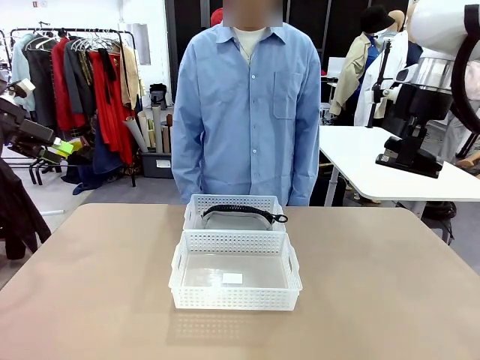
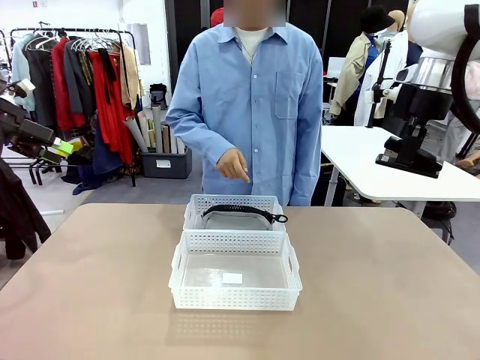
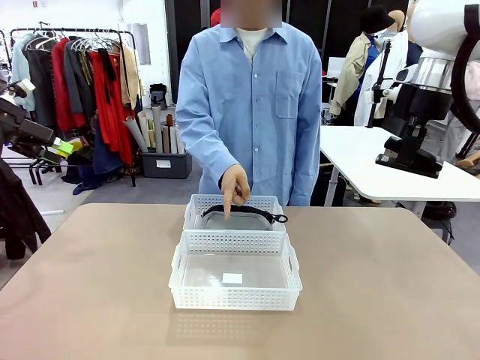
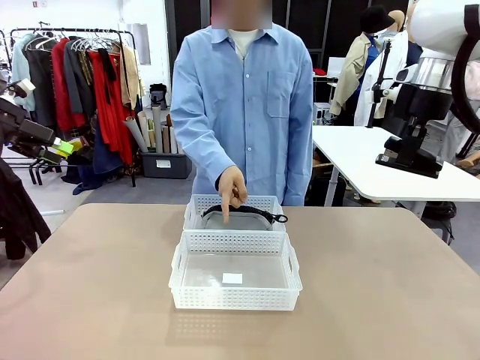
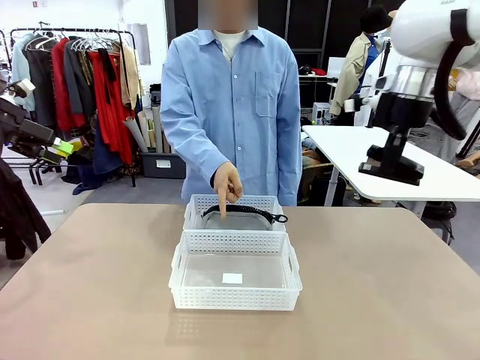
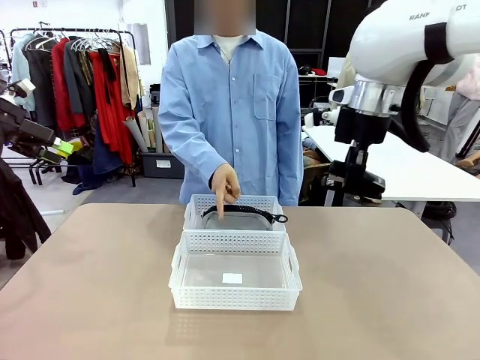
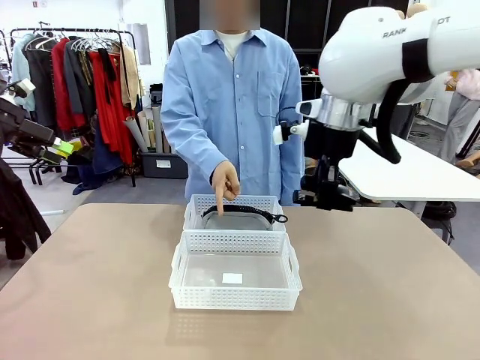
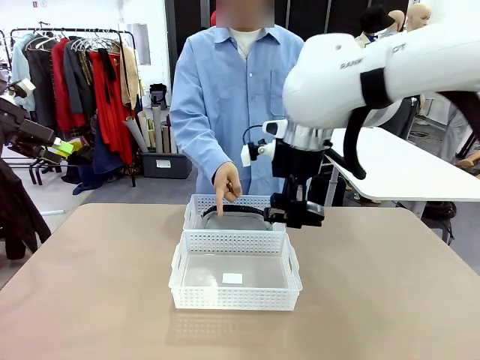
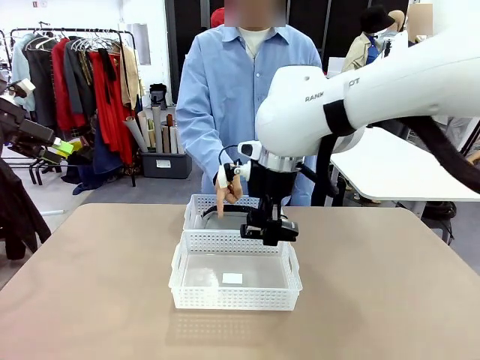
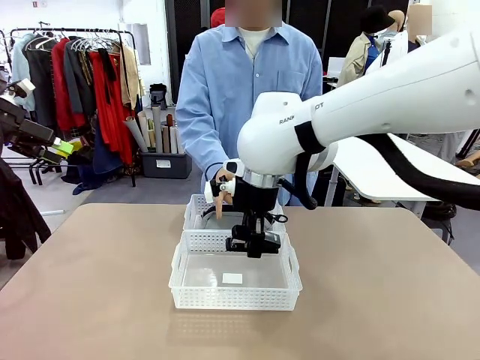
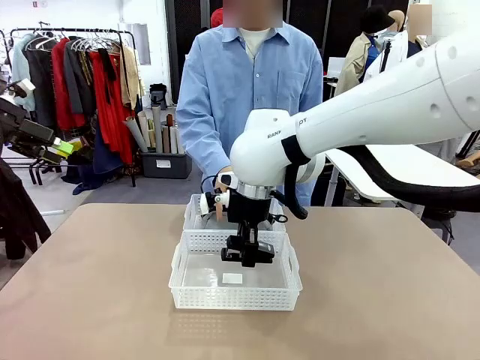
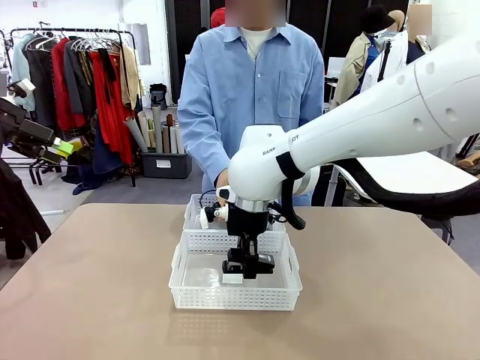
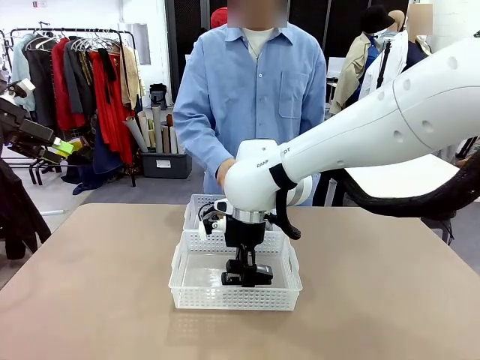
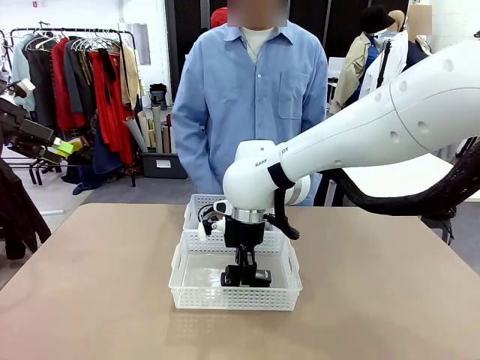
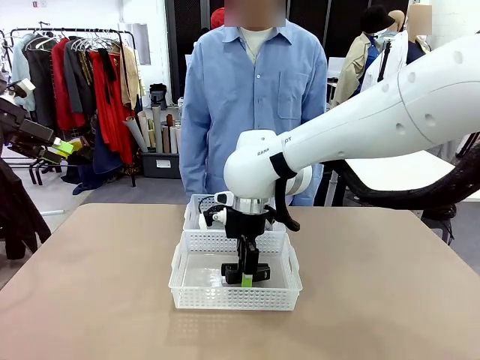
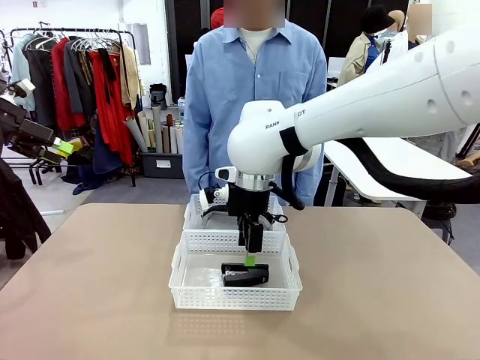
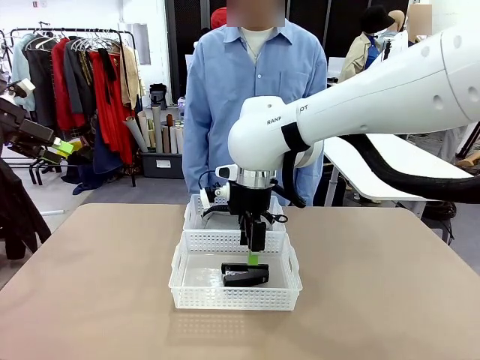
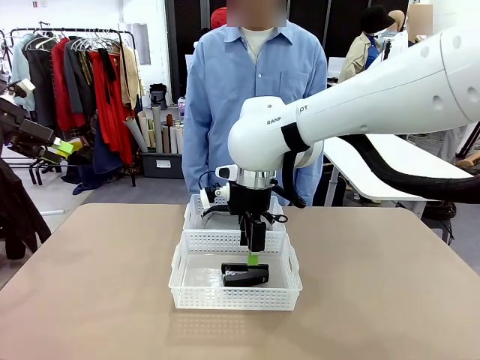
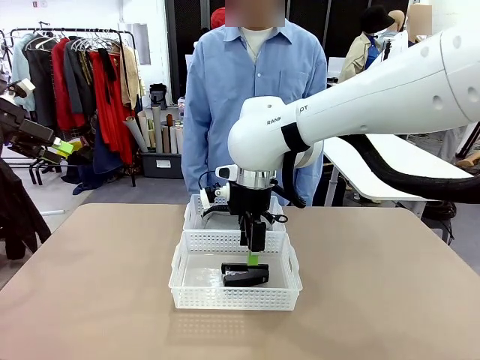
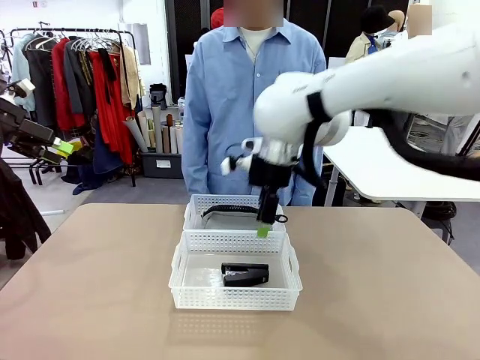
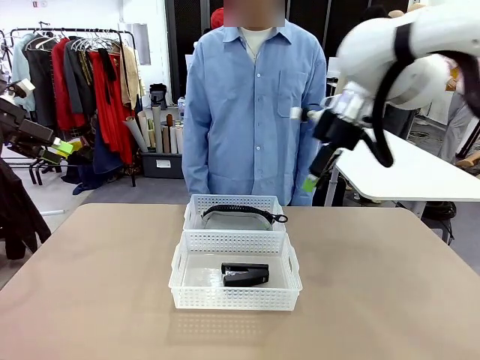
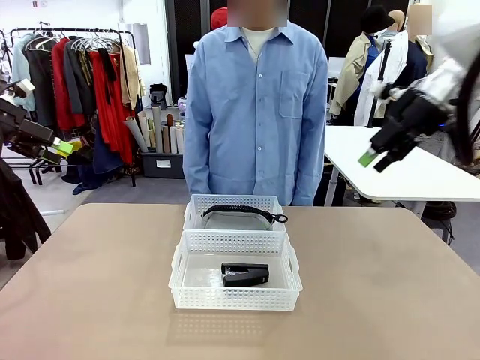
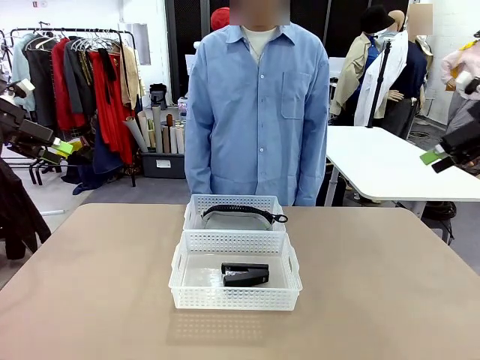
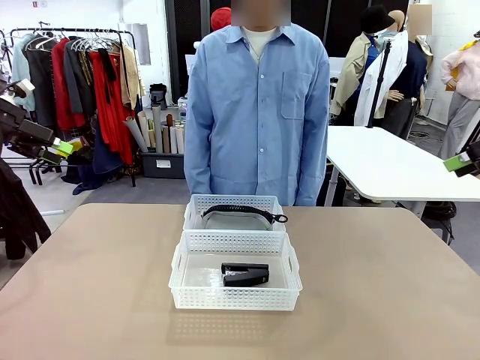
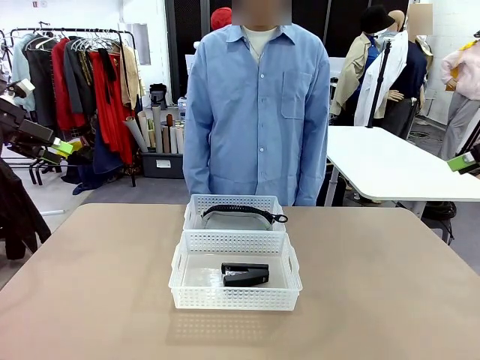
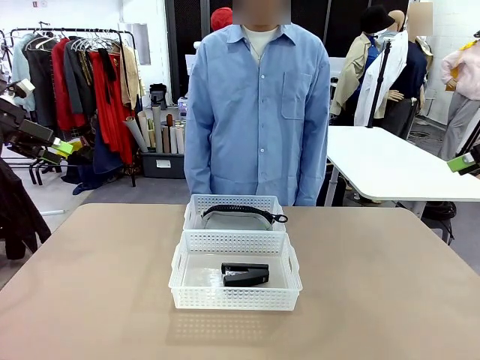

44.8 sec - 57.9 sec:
Task: Distribute items into two baskets.
Robot: Place the picked Stapler into the Organizing basket as instructed by the person.
Person: Points to the basket that does not contain the pencil case and instructs the robot to move the stapler there.

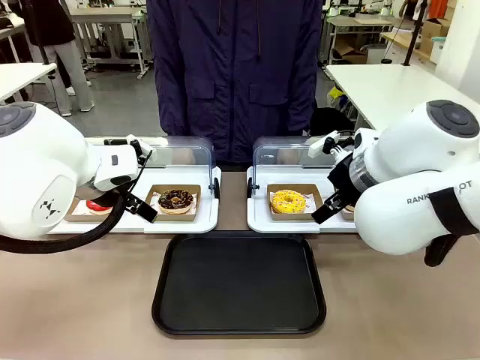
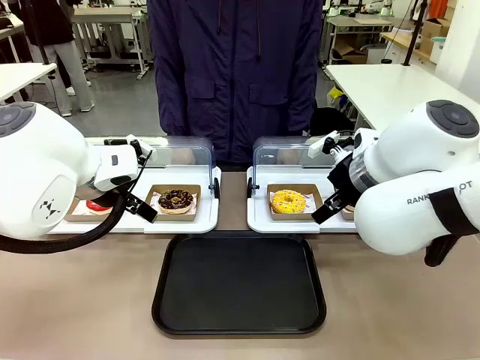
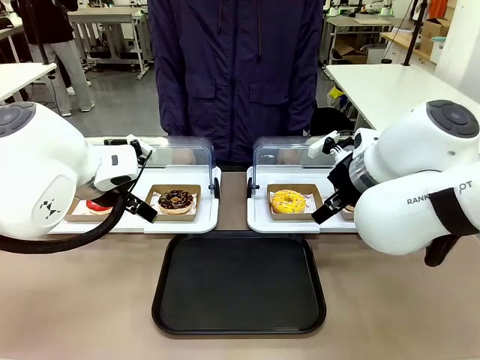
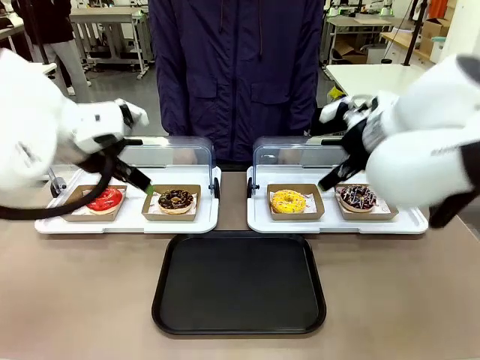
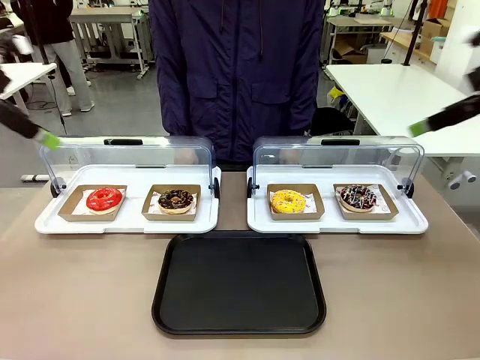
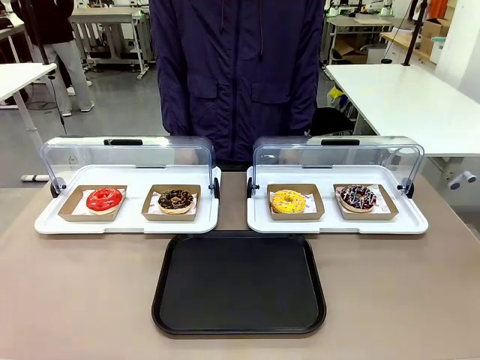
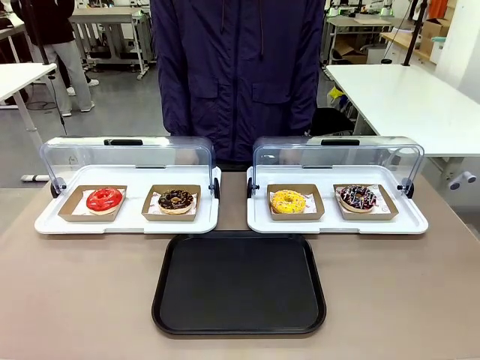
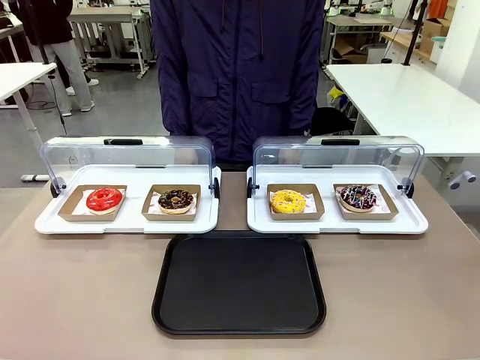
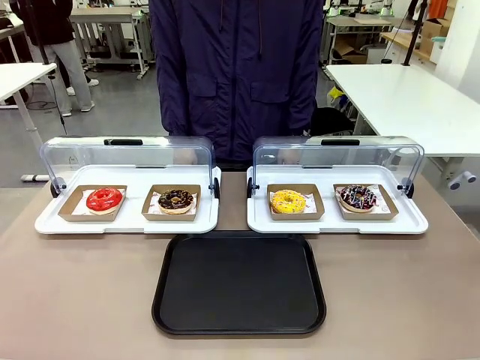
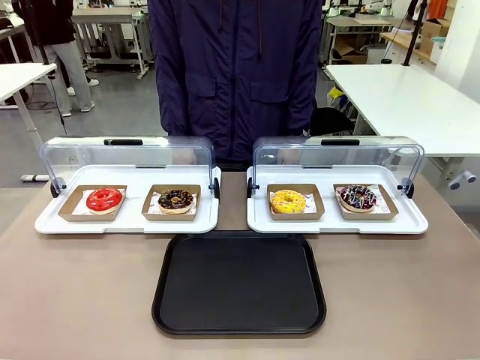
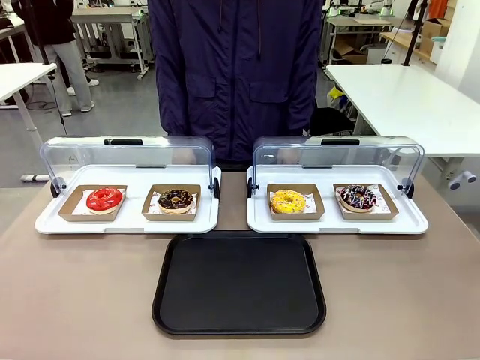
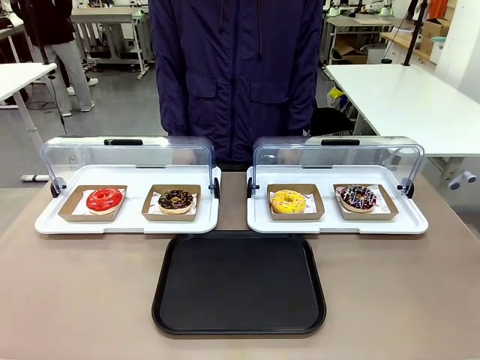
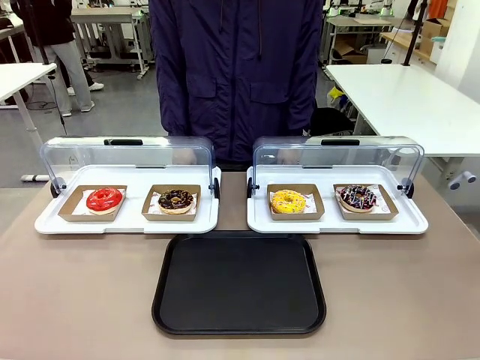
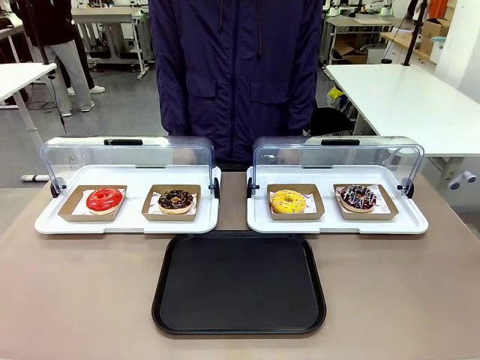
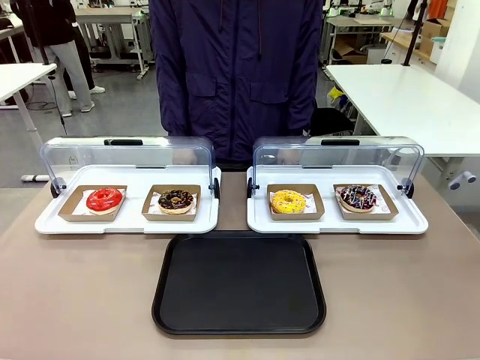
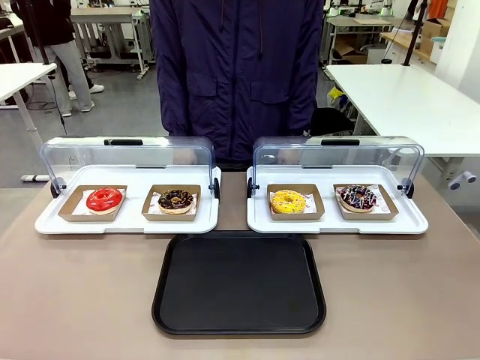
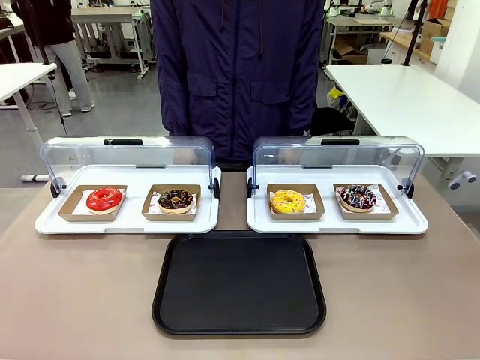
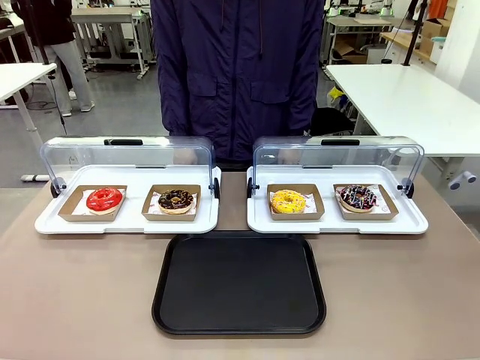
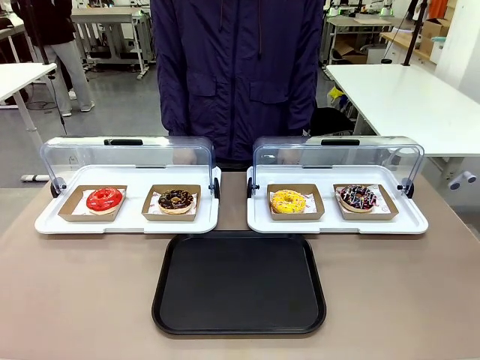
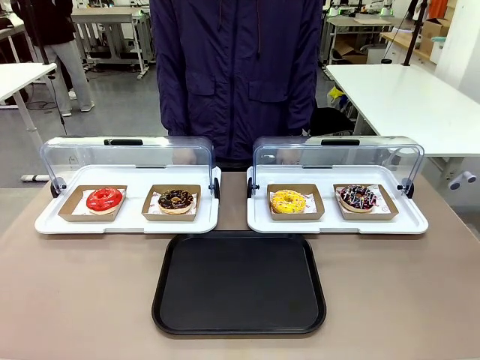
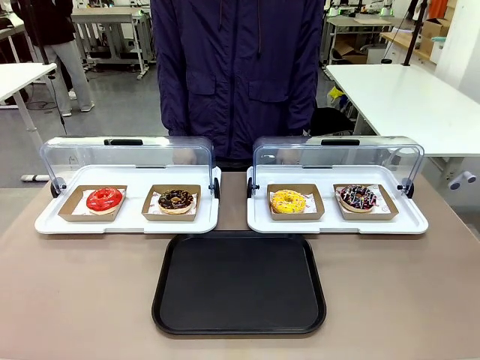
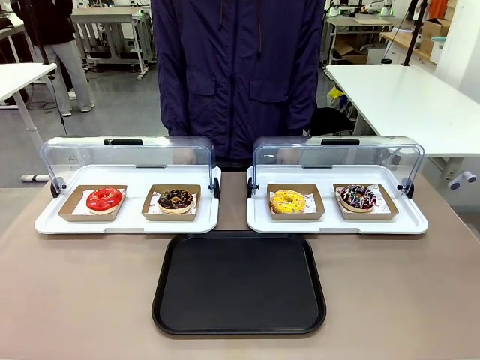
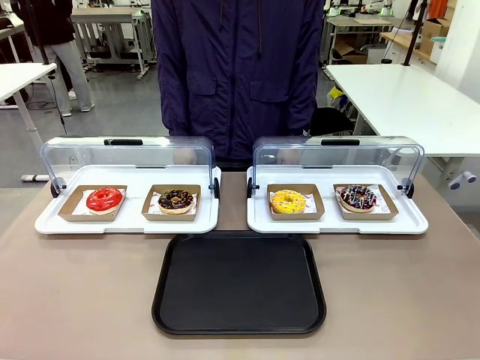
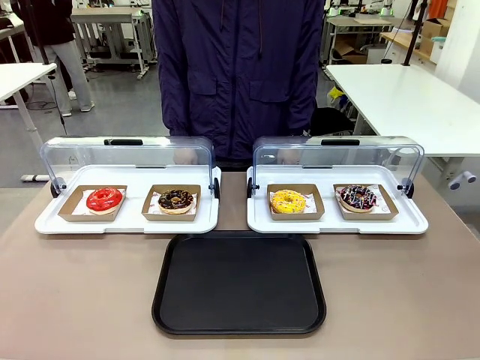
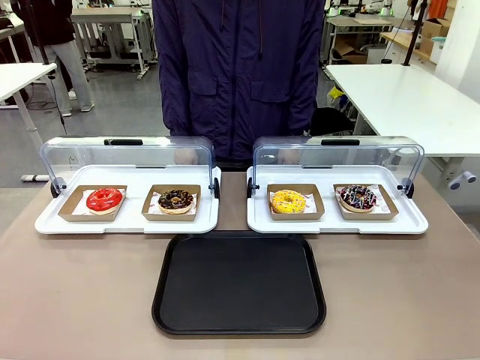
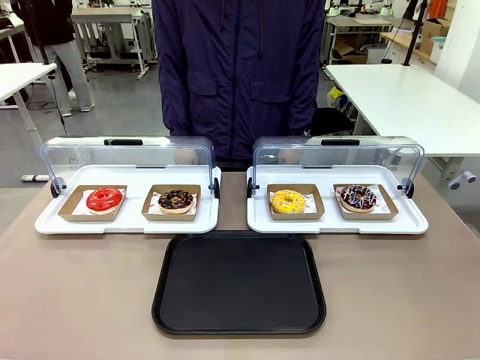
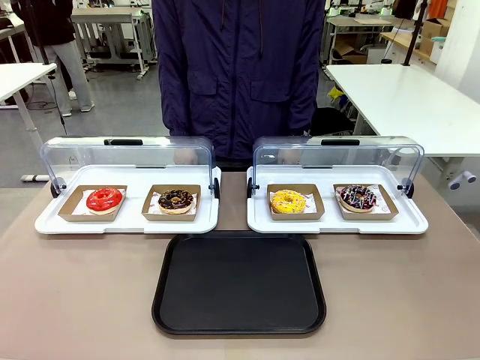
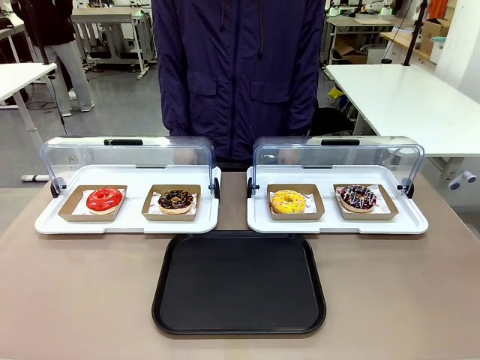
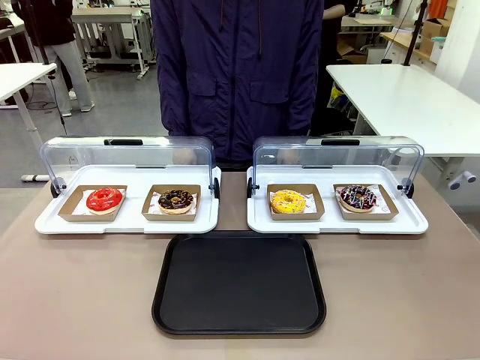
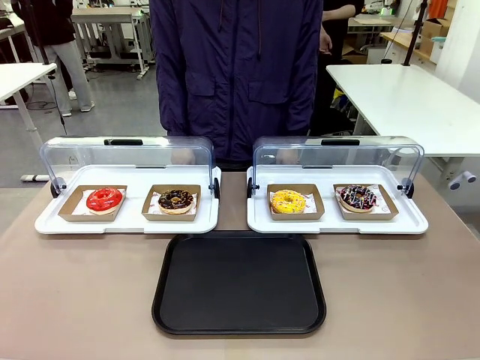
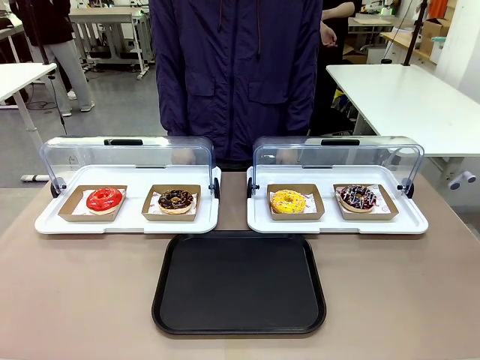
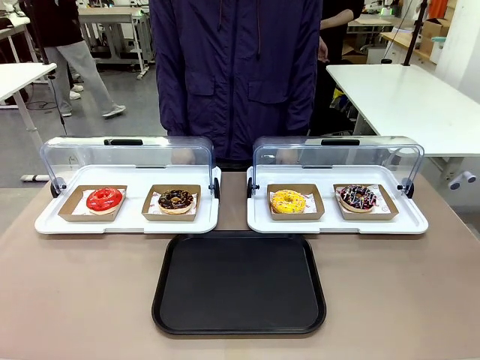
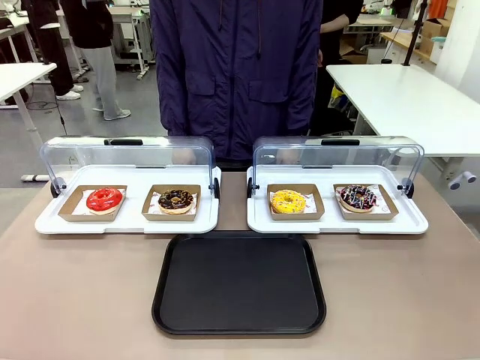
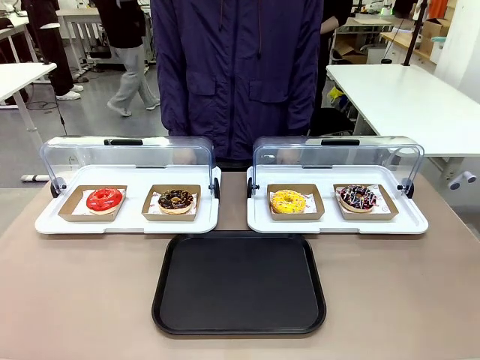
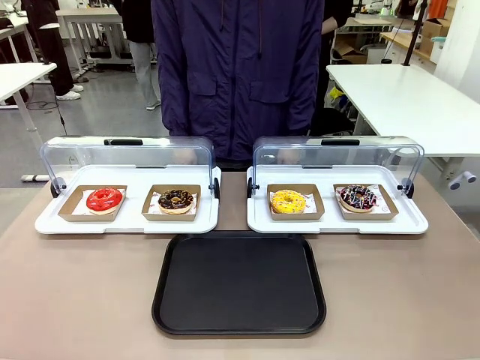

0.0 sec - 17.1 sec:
Task: Move the fourth donut from the left to the tray.
Robot: Pick up the Paper togo box containing the Donut indicated by the person and place it on the Handle tray.
